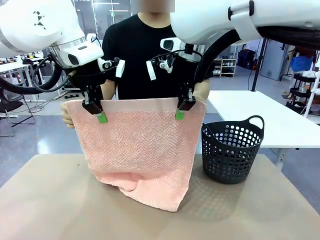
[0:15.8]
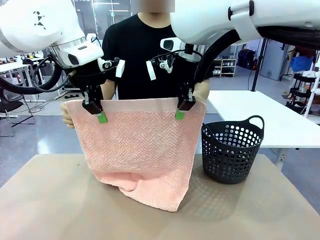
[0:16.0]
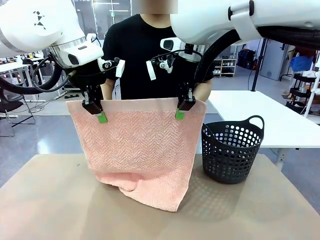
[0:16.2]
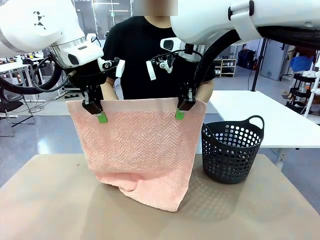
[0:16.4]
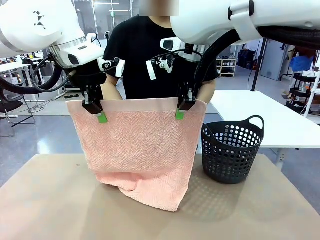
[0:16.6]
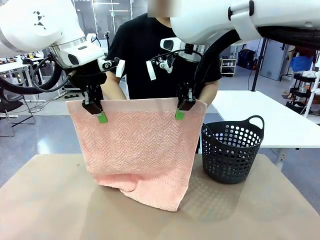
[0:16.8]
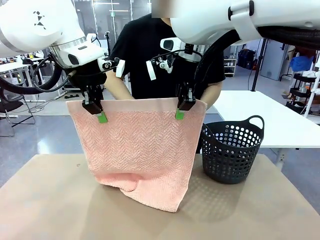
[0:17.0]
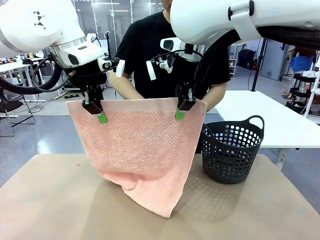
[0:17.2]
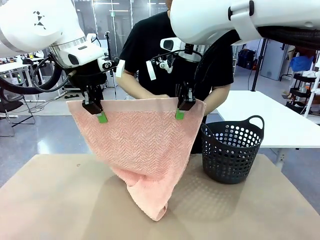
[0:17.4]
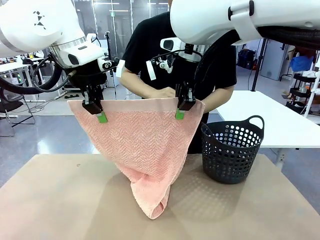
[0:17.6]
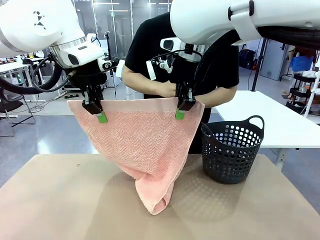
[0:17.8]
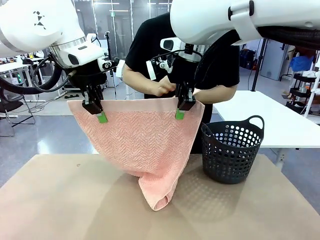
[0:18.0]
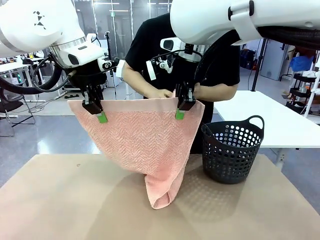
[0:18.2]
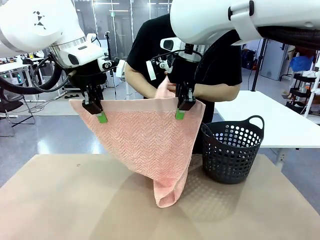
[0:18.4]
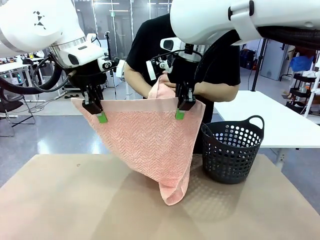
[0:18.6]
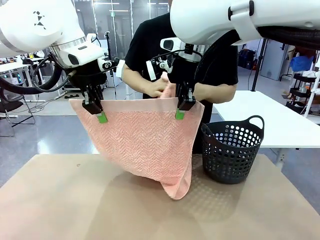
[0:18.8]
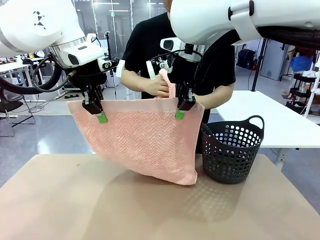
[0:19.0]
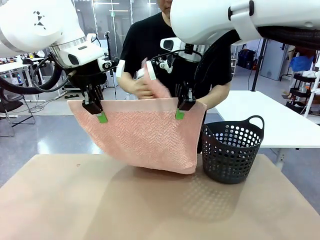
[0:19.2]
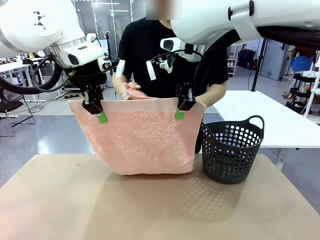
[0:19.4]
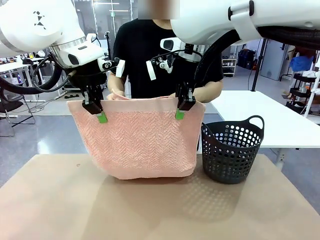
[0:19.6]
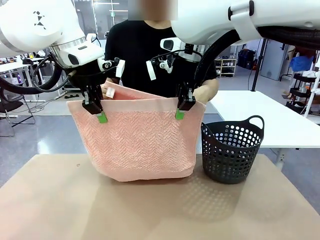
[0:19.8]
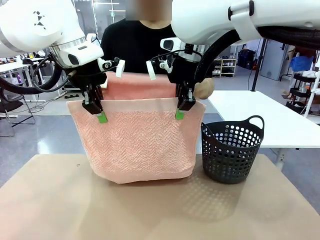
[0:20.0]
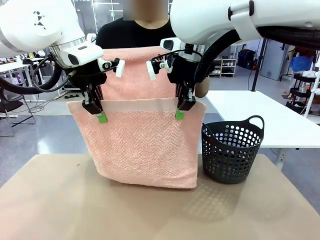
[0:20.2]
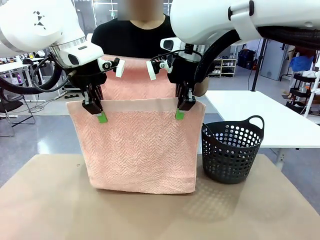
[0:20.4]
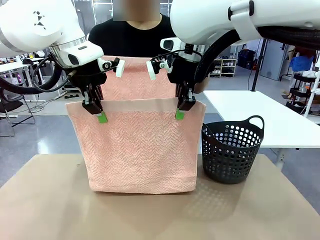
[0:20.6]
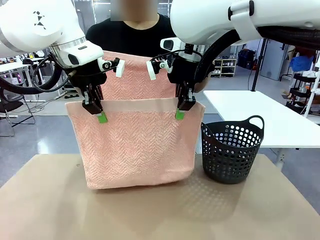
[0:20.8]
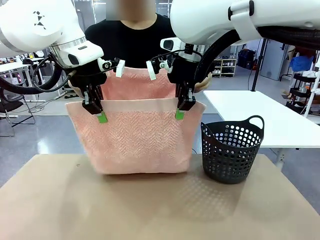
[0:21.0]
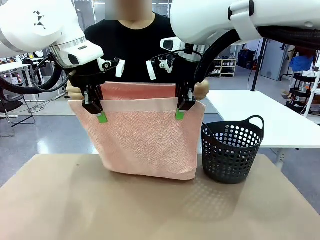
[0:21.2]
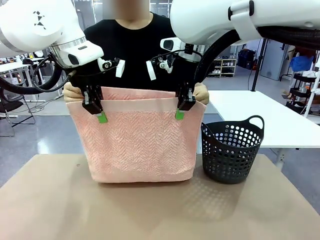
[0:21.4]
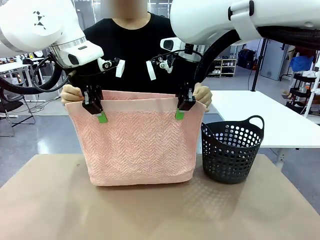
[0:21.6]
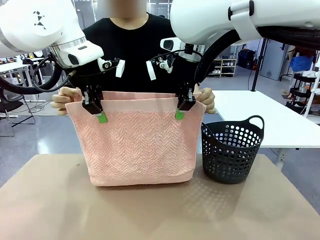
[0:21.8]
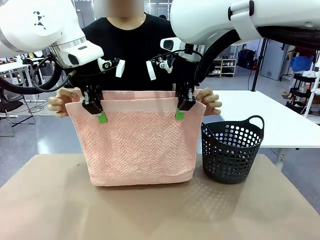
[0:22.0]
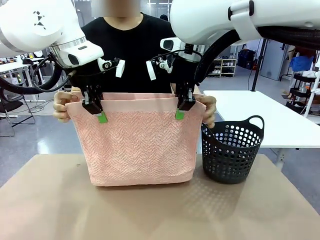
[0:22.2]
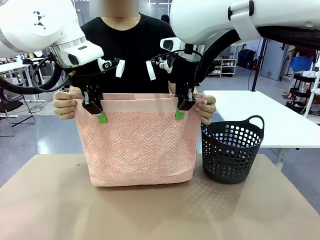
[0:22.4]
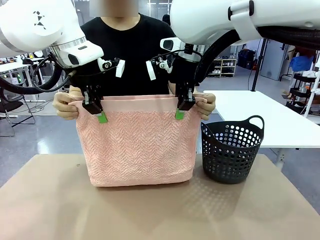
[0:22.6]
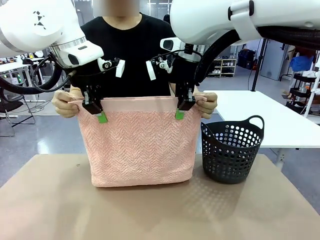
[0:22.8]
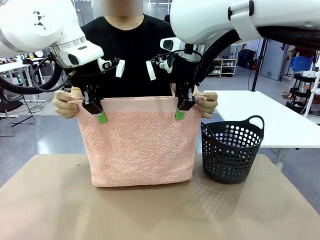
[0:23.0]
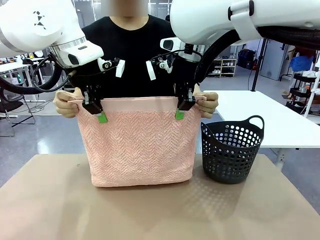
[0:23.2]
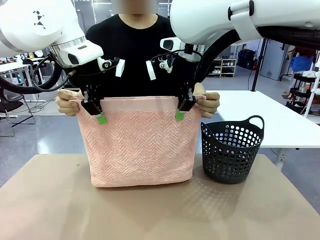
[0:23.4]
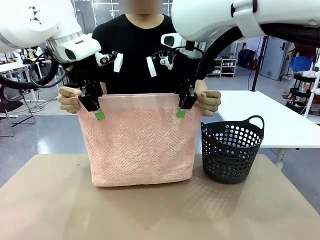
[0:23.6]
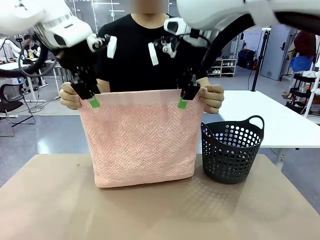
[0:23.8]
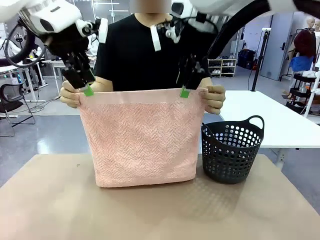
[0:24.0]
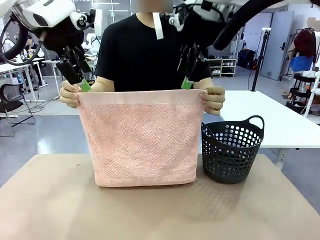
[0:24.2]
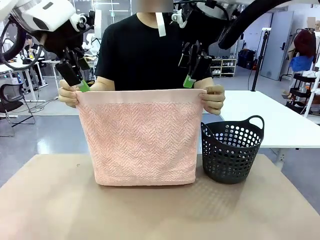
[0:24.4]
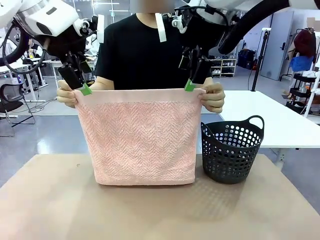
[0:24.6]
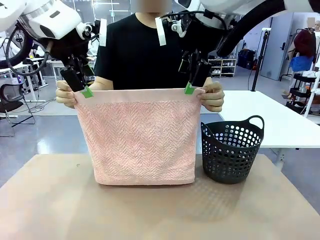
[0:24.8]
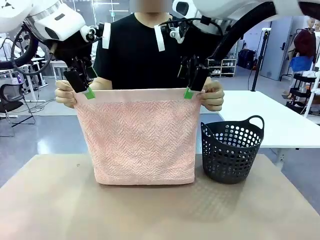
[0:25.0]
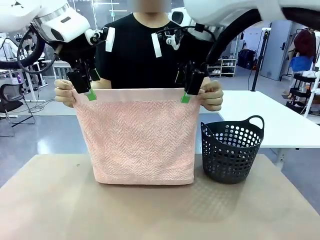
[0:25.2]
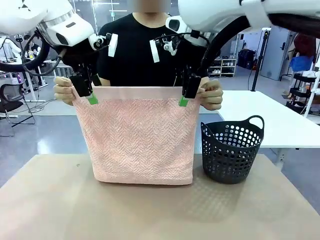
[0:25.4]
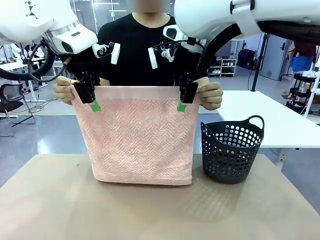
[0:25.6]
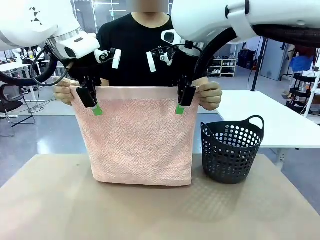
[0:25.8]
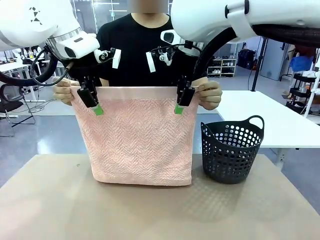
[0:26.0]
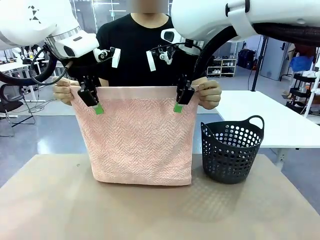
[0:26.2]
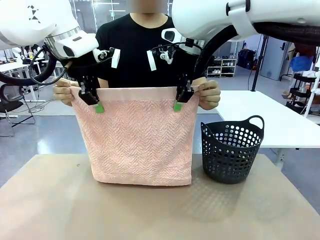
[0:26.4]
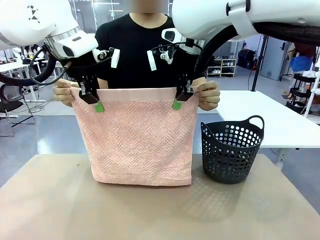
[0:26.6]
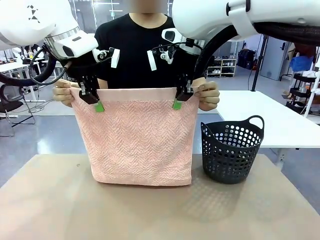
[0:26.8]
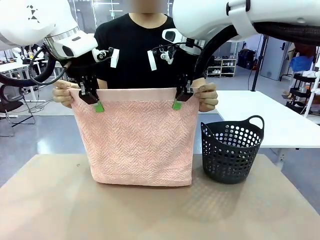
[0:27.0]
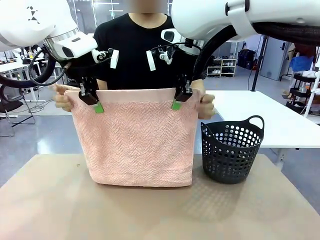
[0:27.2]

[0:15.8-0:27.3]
Task: Fold the towel.
Robot: Release the end of the 100 cm Hotel Towel you were holding and grab the top end of the folded side.
Person: Using the point held by the robot as a reference, grasp the opposite end, fold the towel in half, and then hold both ends of the folded towel.

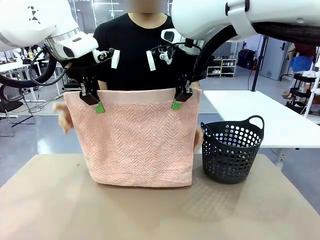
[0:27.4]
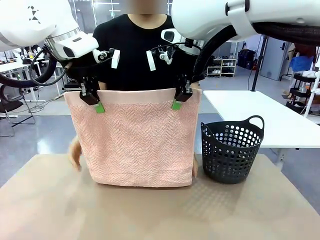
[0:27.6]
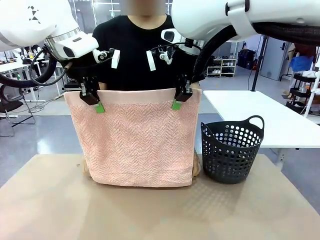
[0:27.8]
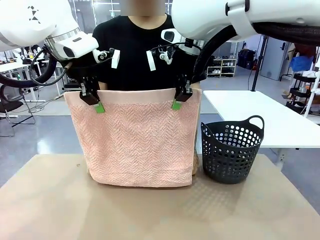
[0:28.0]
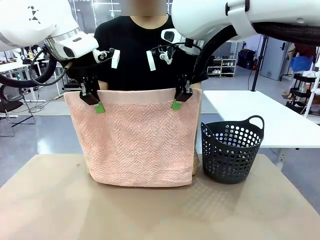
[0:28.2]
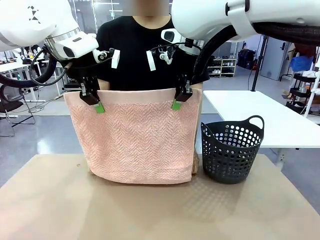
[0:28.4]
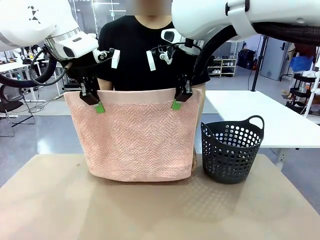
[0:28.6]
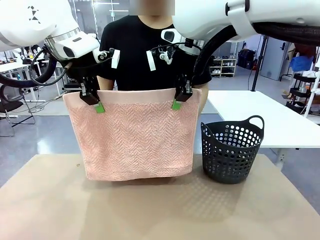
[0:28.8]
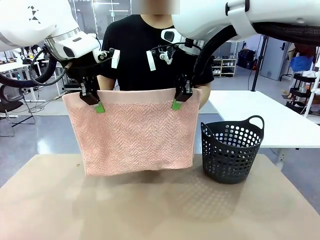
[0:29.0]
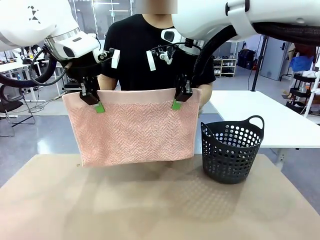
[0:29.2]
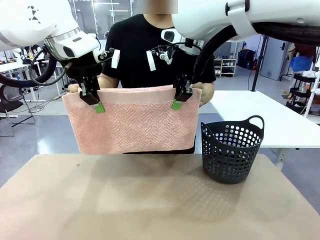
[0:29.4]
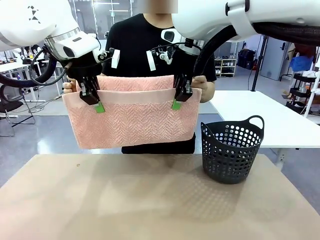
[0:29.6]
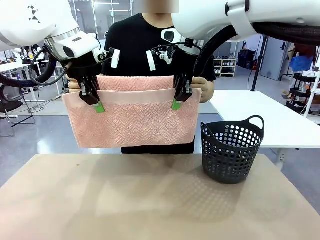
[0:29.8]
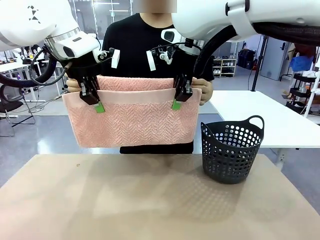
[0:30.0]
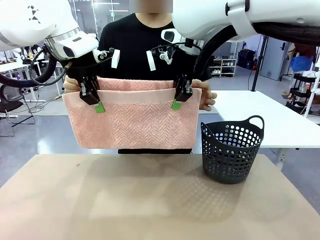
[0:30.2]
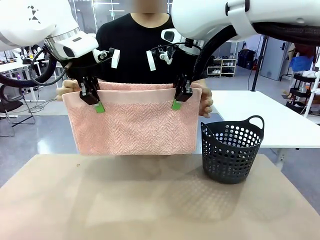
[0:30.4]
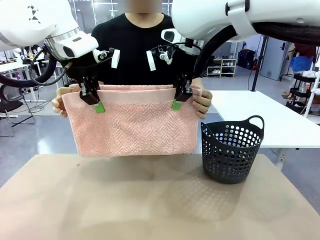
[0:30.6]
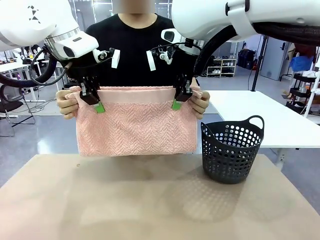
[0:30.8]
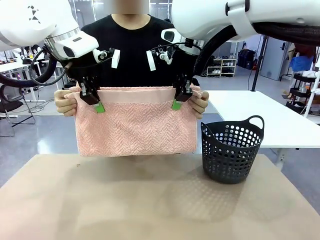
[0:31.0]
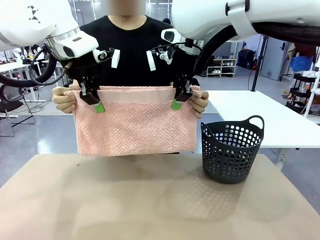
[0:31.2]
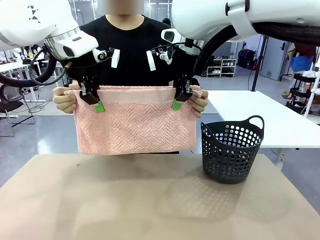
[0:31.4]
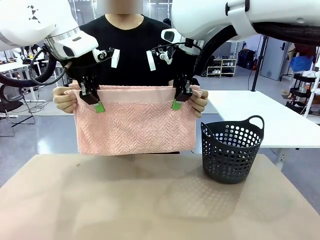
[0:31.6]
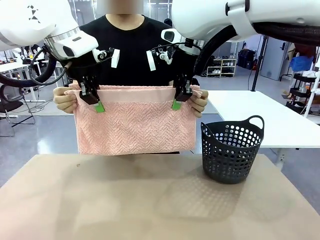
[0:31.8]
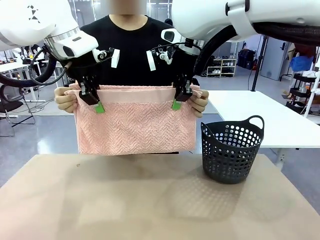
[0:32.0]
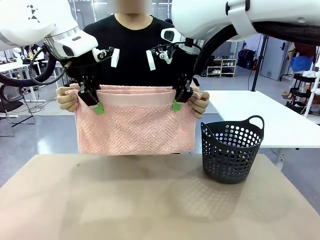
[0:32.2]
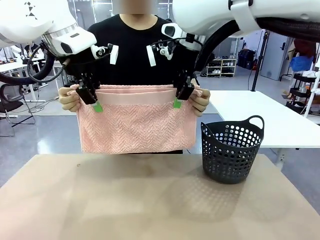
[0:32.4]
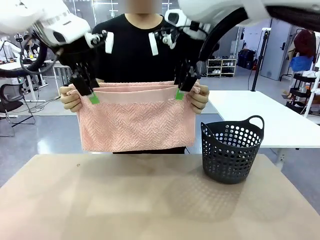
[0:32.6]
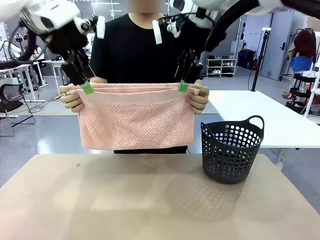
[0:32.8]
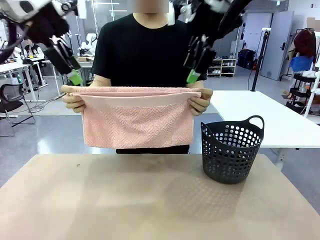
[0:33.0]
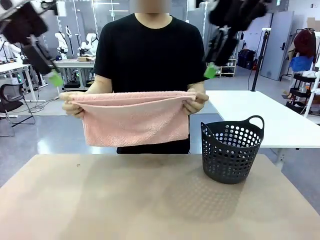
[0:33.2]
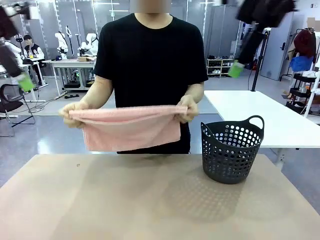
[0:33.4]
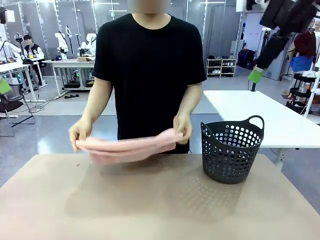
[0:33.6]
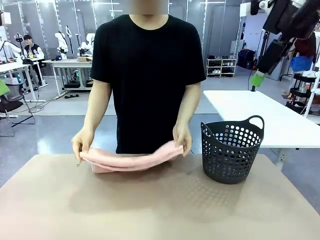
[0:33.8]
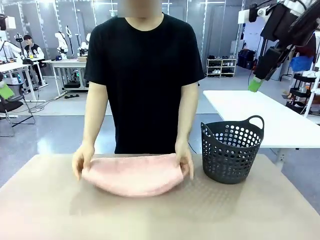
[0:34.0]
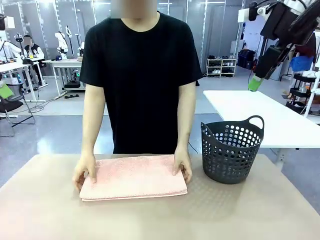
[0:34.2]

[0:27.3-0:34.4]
Robot: Release the end of the 100 cm Hotel Towel you were holding.
